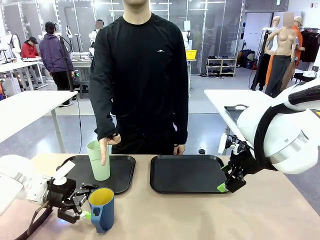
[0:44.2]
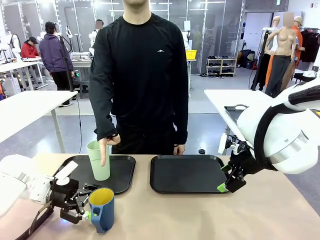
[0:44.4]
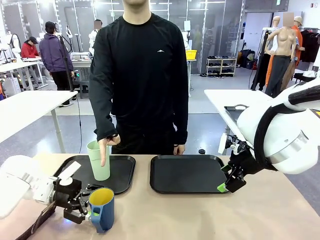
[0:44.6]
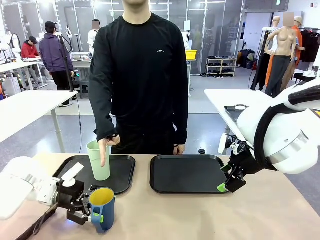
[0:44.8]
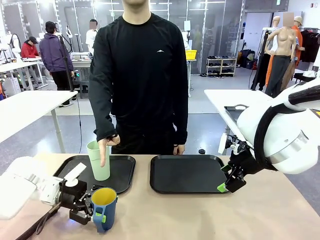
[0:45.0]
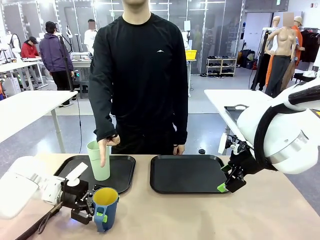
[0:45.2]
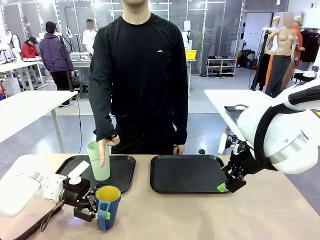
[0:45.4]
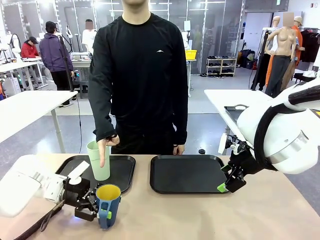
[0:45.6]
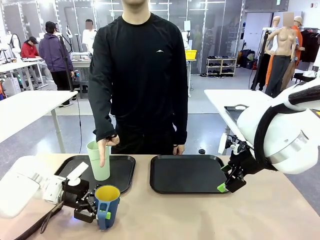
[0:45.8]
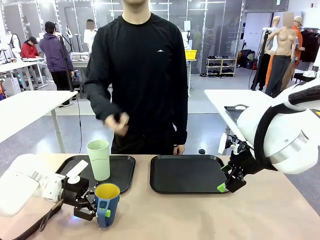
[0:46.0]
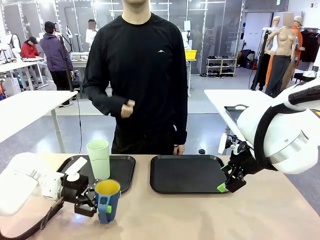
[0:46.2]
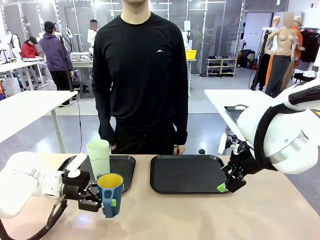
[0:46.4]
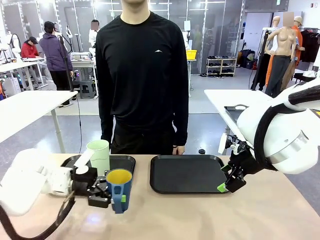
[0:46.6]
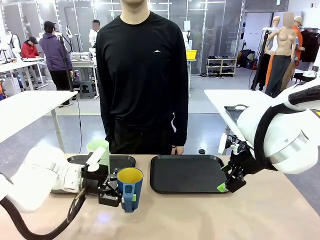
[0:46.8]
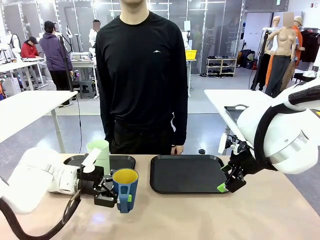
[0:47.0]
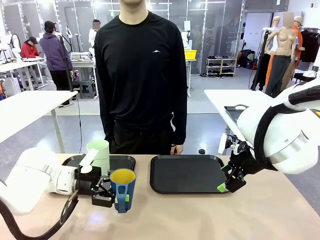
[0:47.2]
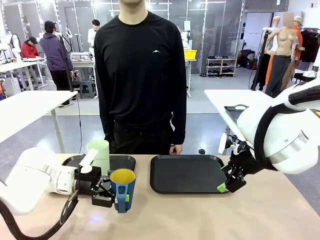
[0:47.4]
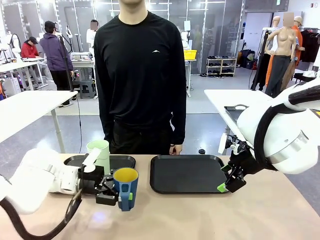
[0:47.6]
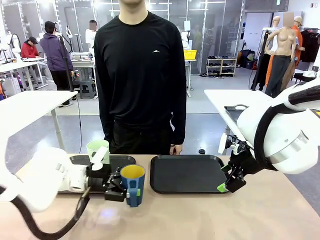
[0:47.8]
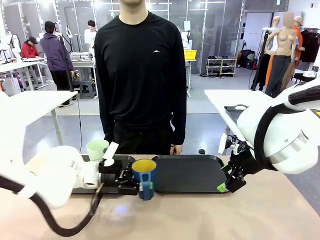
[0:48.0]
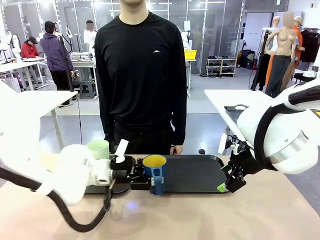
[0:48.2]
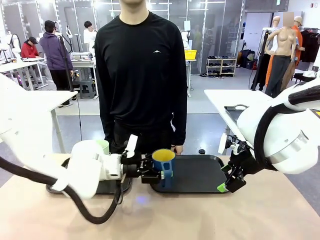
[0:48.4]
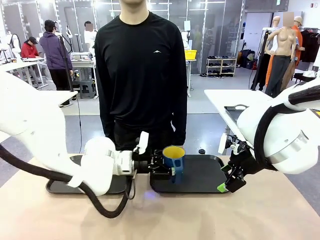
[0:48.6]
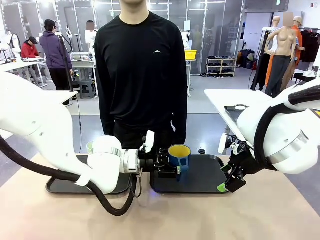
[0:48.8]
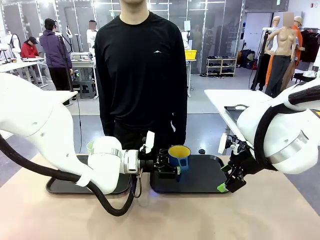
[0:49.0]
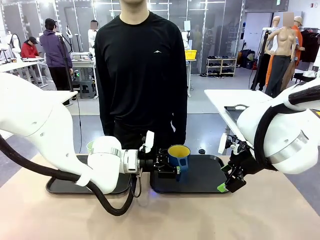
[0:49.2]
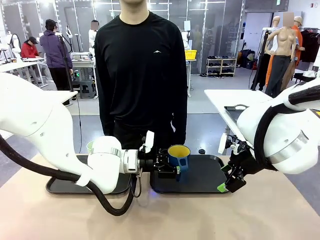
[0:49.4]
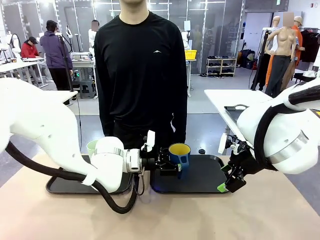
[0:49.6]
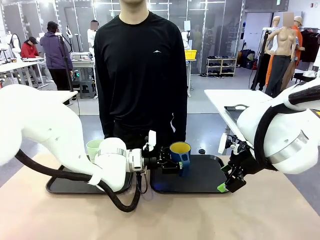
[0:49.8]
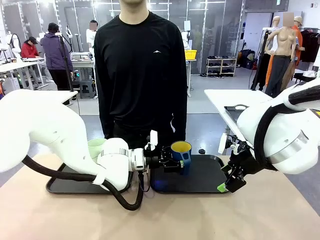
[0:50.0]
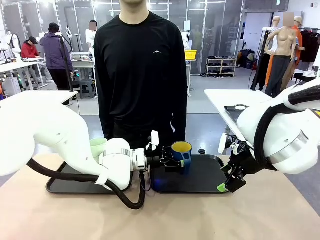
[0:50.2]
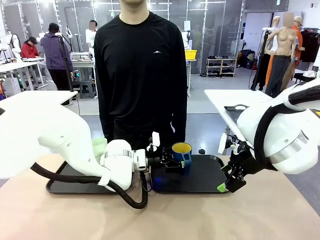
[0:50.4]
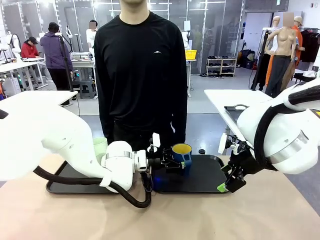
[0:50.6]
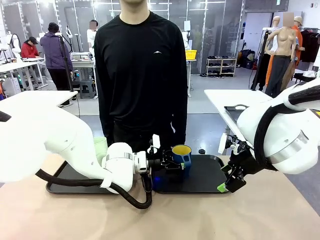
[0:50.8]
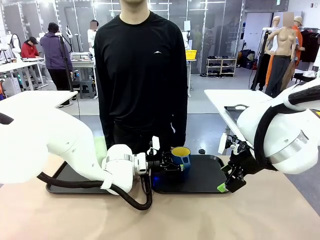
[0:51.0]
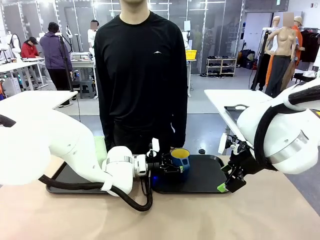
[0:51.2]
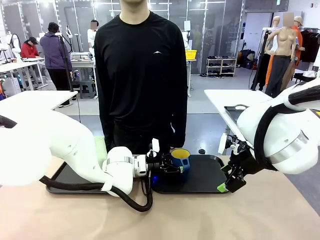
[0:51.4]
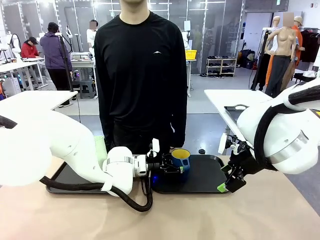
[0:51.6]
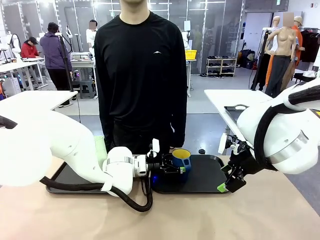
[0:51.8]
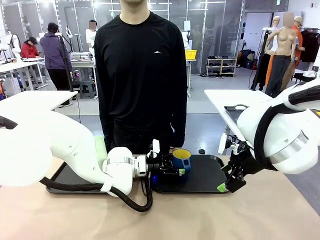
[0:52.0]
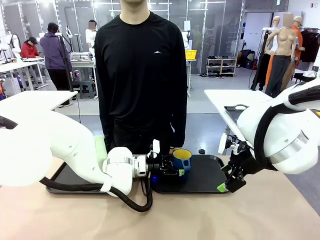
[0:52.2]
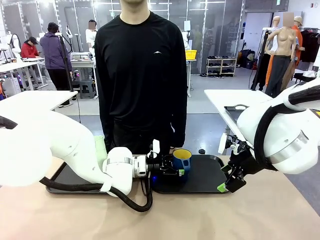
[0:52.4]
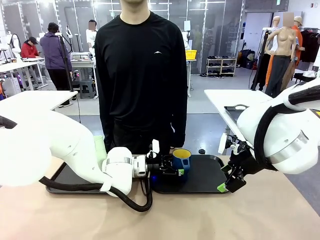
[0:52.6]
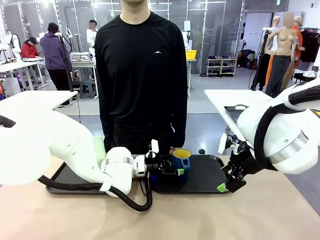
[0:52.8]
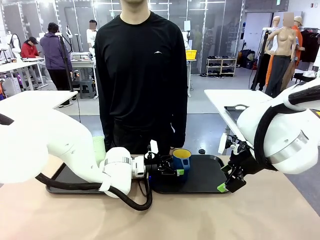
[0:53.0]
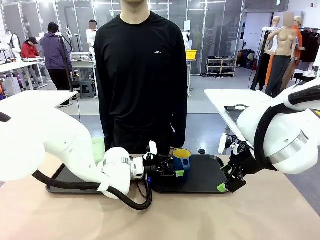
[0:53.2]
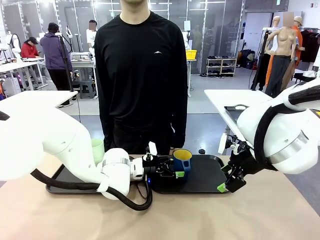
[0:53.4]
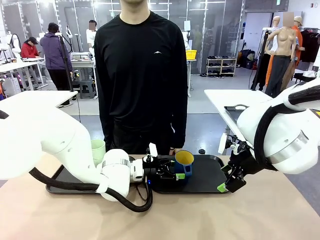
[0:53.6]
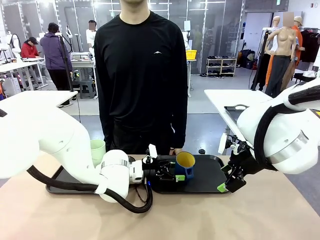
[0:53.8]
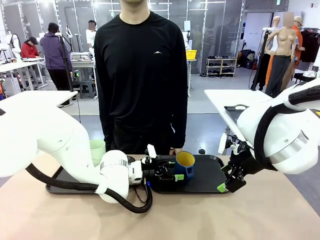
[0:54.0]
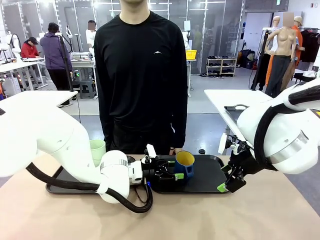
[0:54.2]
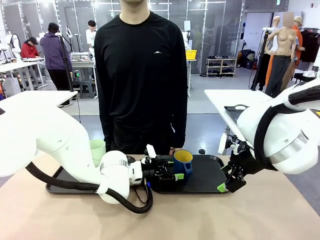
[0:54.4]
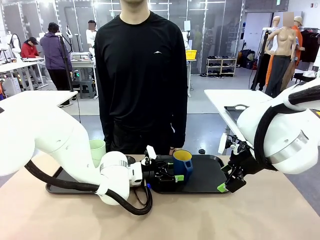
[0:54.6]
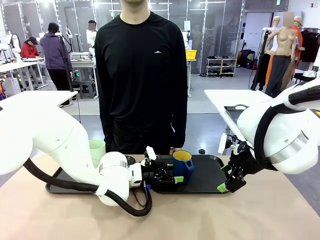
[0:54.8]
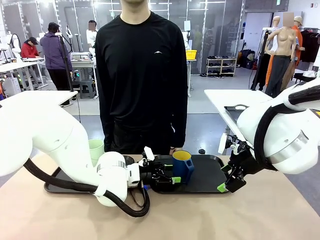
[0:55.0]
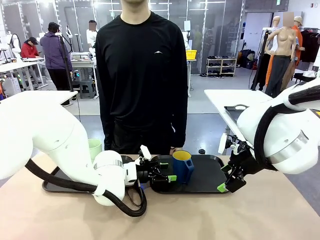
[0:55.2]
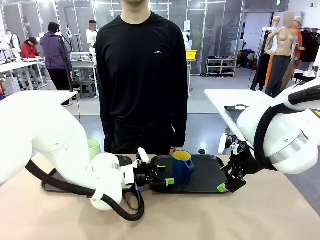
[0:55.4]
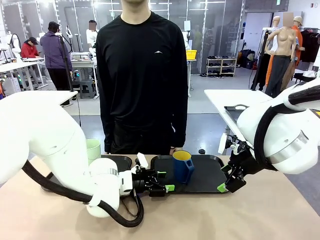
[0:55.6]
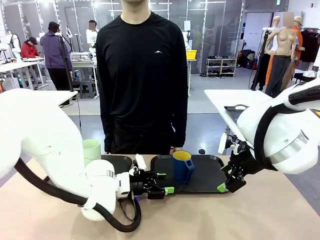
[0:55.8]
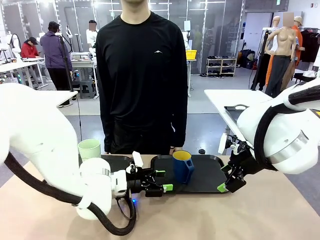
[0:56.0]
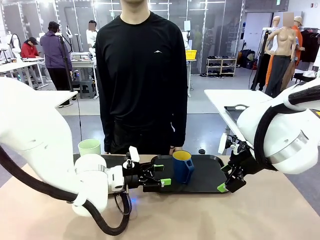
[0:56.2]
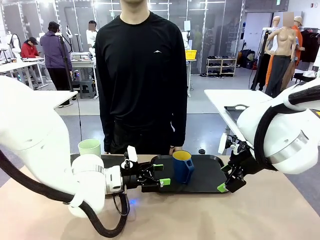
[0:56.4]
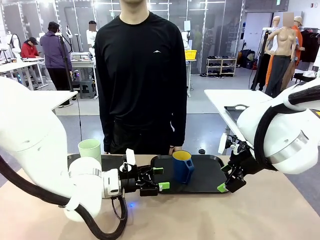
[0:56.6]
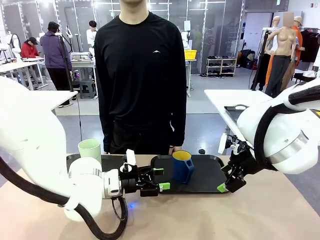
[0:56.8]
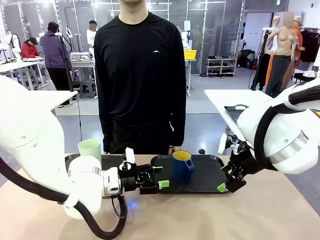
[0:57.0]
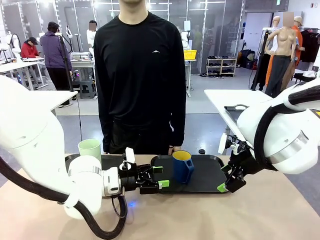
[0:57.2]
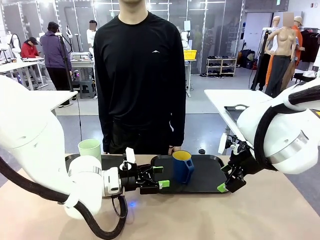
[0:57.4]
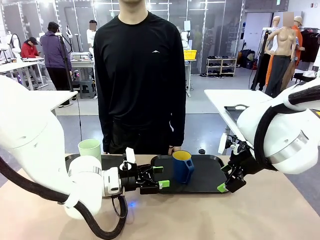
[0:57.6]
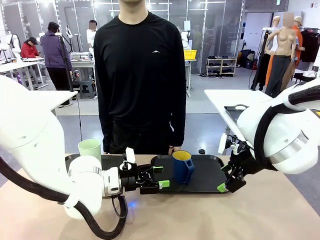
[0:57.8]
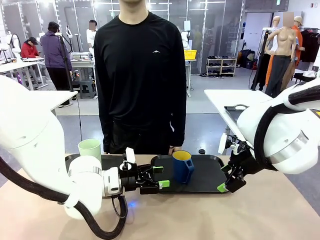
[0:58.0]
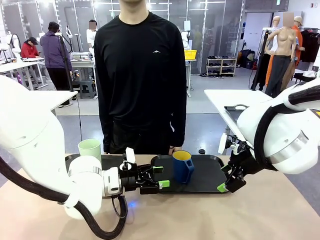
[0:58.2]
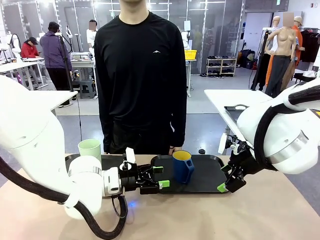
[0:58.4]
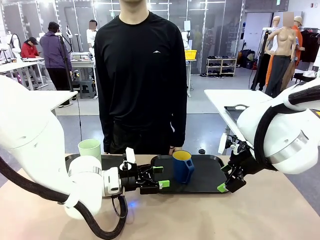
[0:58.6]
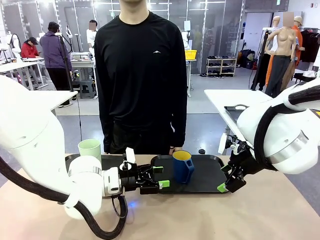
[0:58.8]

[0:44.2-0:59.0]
Task: Sort and store the cups by type.
Robot: Pick up the Handle plastic cup and place it into the empty Flat Tray.

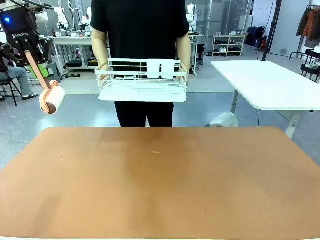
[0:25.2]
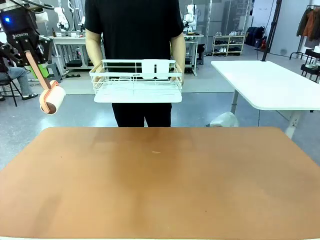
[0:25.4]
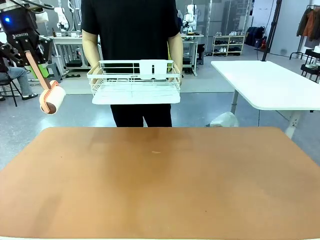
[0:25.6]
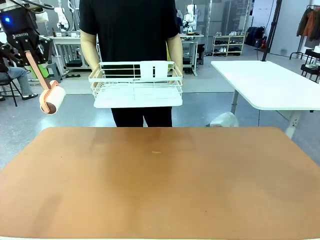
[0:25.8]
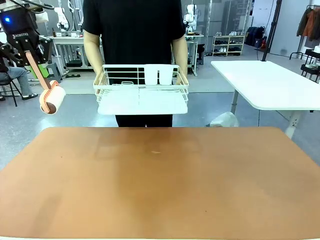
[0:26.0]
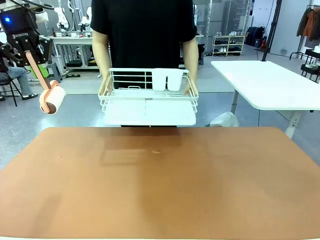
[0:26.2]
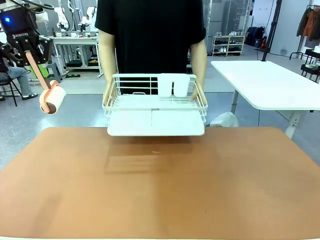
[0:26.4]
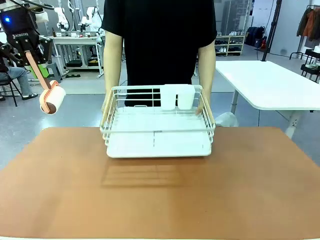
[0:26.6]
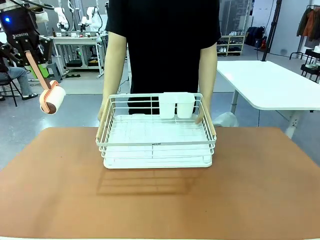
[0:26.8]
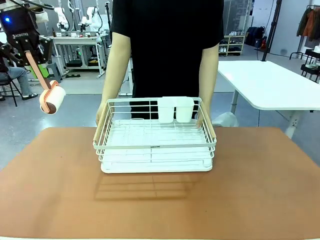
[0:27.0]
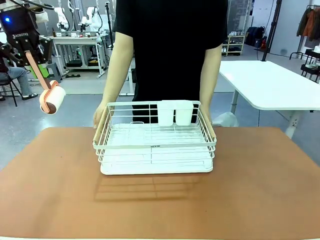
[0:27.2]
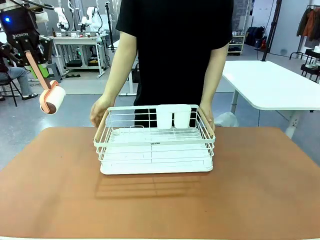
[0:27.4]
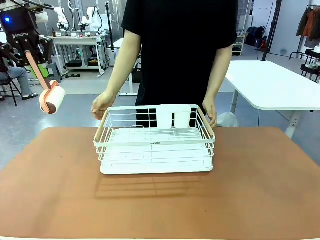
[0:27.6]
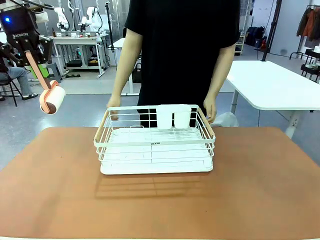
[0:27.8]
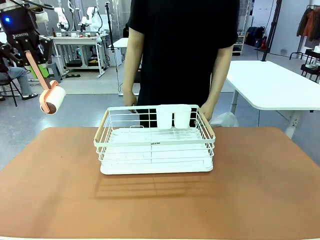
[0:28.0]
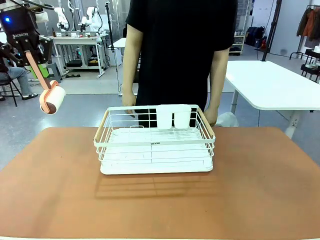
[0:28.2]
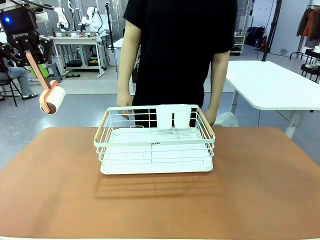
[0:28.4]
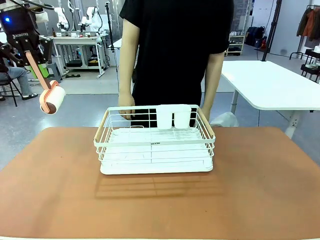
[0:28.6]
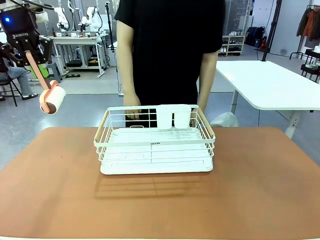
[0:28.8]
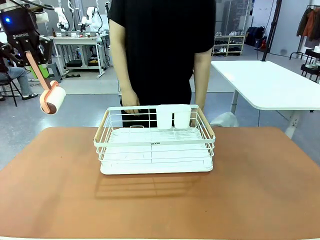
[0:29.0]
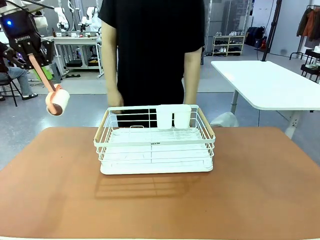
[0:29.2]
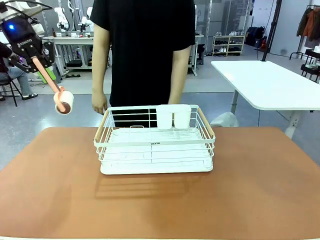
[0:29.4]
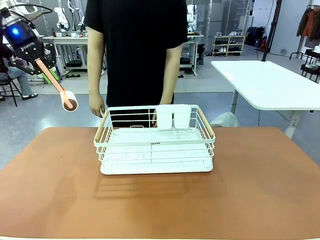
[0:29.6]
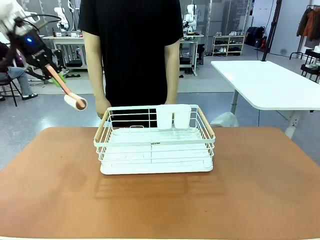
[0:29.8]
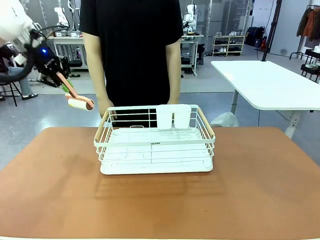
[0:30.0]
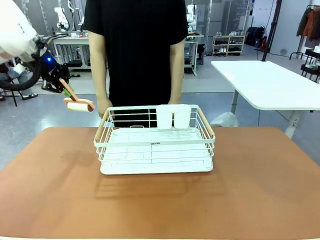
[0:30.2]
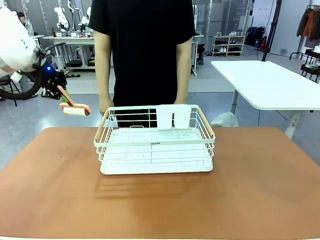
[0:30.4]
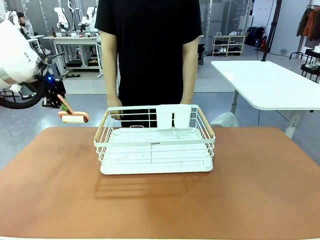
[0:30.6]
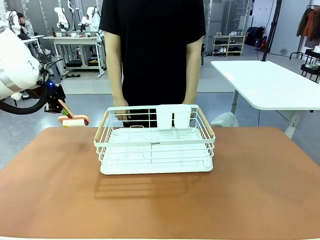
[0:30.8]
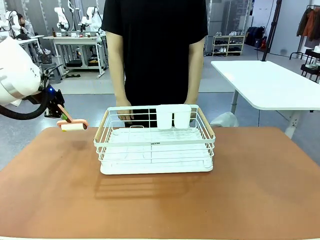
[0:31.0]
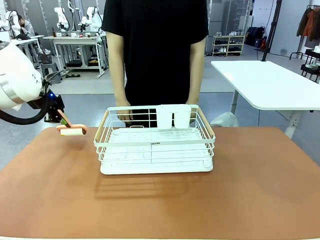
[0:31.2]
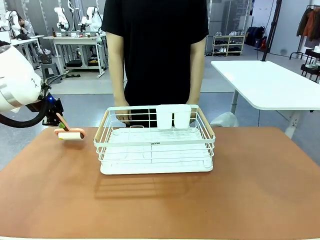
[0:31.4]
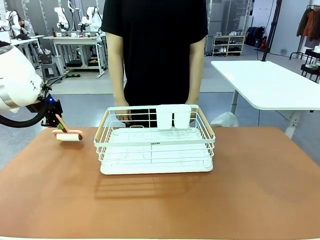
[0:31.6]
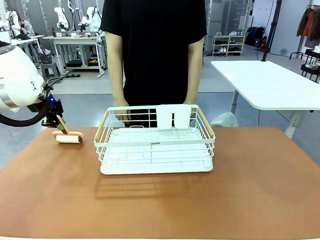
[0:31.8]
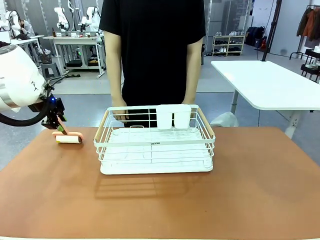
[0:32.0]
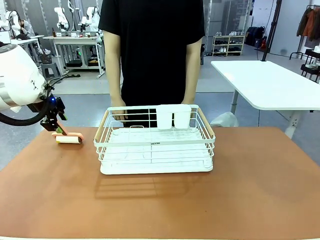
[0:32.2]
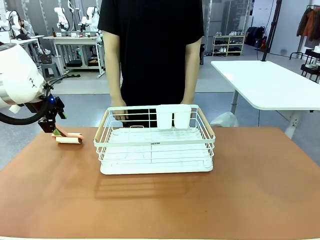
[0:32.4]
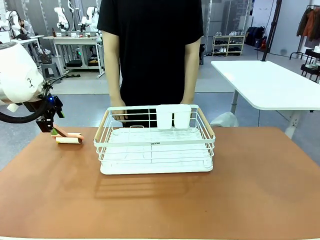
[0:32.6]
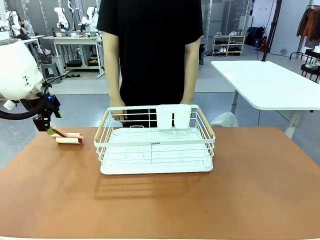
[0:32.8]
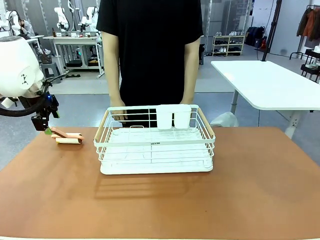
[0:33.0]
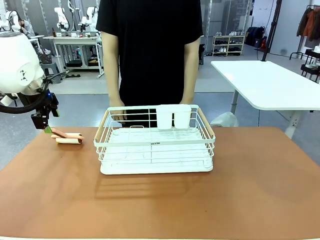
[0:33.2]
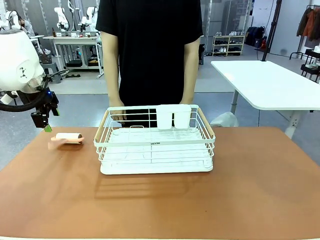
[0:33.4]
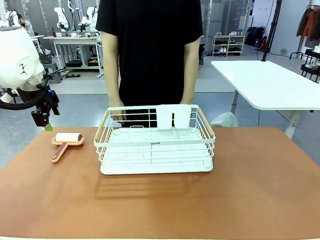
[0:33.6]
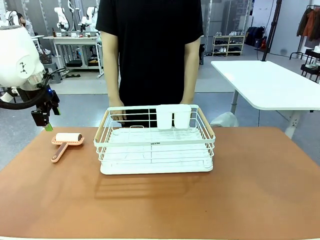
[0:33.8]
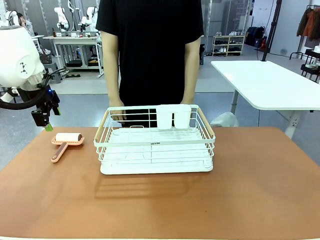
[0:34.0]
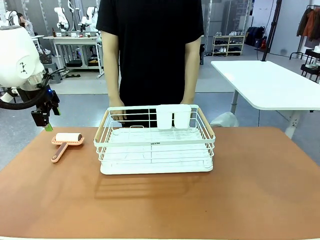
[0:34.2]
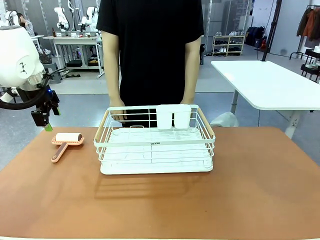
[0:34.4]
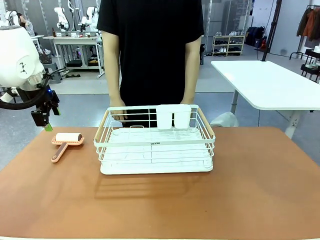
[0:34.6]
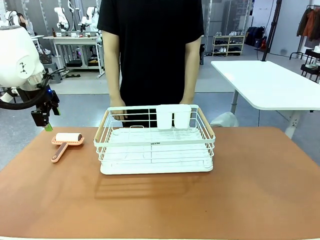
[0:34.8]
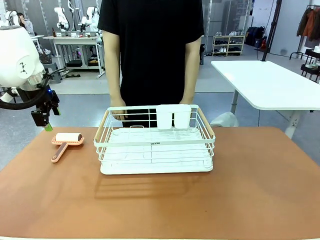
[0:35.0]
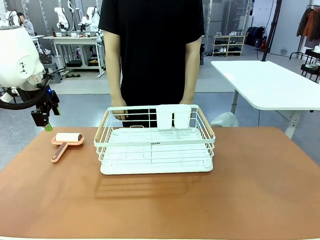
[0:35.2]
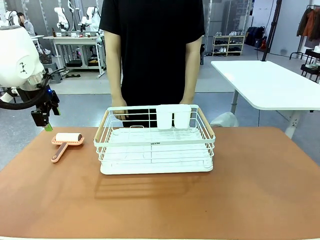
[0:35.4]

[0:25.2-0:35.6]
Task: Clean the table.
Robot: Place the Lint Roller down when the Dish drying rack is positioned in the middle of the table.
Person: Place the Dish drying rack down when the robot finishes cleaning.
